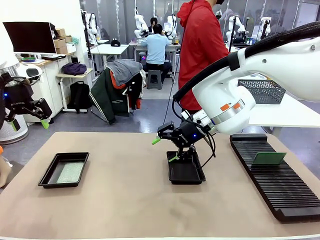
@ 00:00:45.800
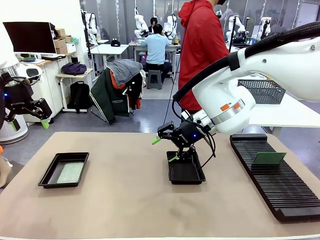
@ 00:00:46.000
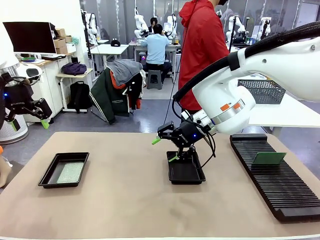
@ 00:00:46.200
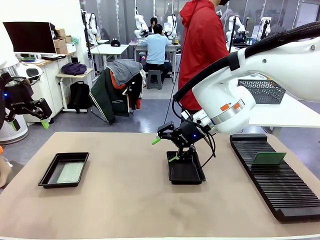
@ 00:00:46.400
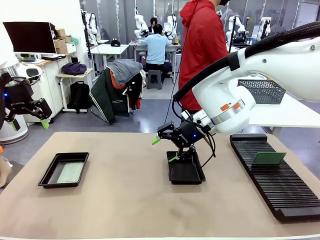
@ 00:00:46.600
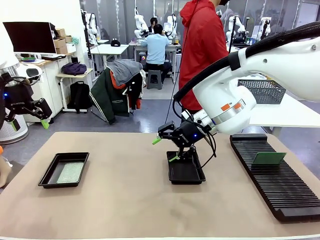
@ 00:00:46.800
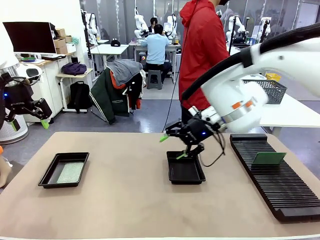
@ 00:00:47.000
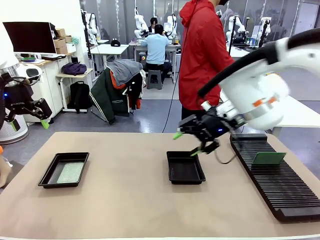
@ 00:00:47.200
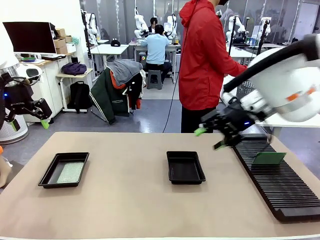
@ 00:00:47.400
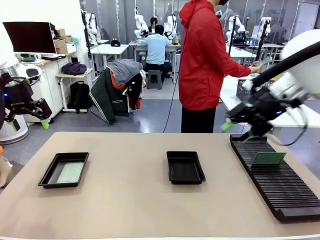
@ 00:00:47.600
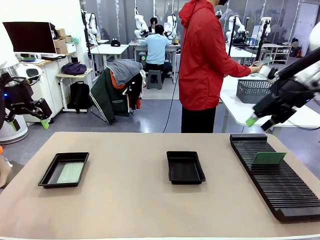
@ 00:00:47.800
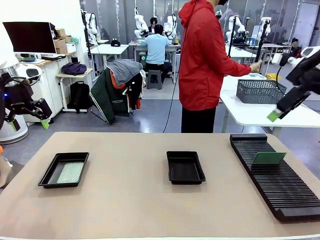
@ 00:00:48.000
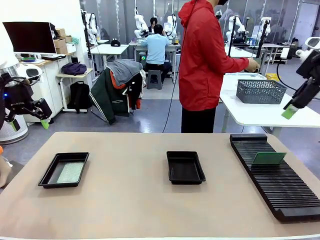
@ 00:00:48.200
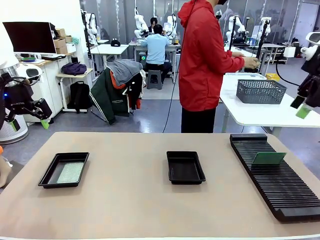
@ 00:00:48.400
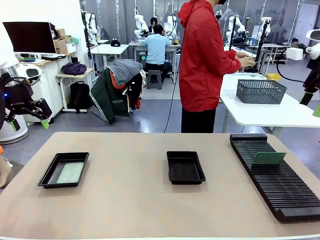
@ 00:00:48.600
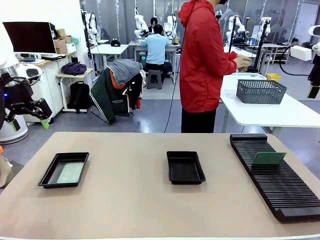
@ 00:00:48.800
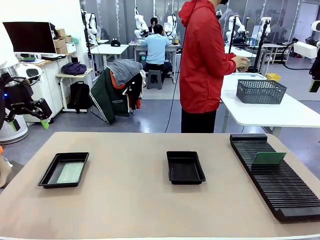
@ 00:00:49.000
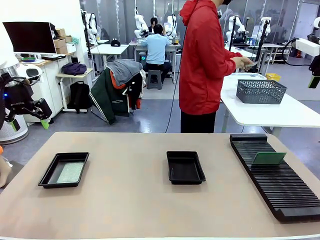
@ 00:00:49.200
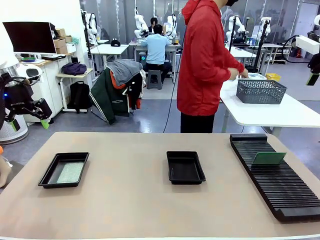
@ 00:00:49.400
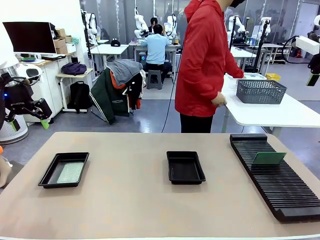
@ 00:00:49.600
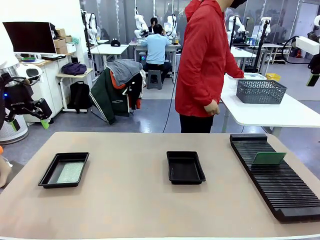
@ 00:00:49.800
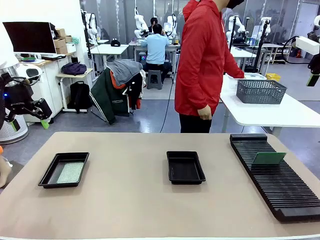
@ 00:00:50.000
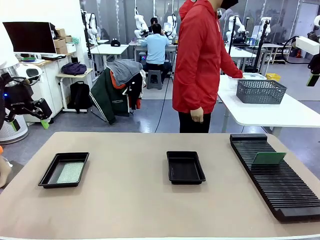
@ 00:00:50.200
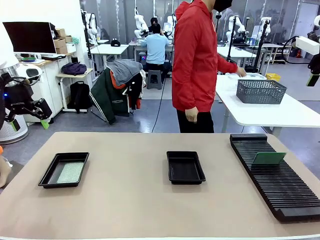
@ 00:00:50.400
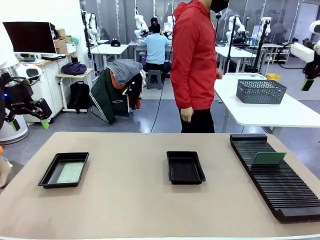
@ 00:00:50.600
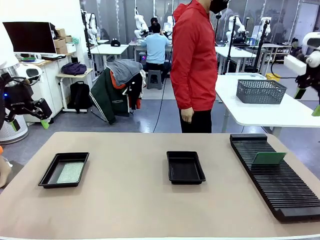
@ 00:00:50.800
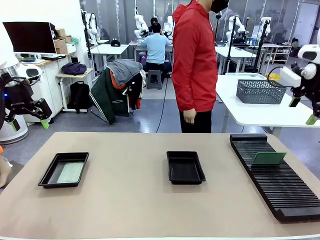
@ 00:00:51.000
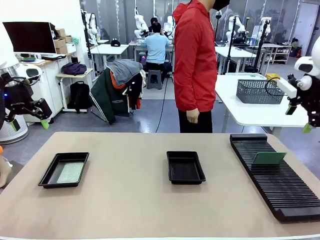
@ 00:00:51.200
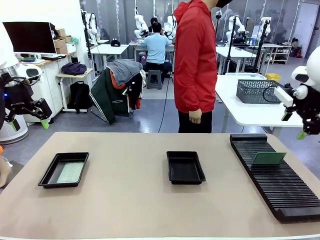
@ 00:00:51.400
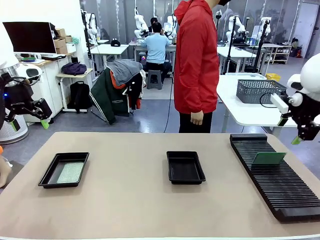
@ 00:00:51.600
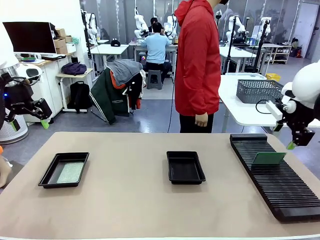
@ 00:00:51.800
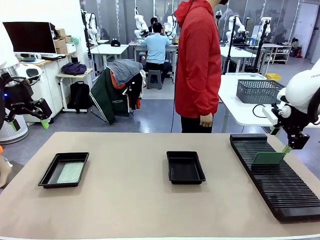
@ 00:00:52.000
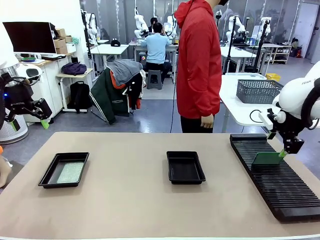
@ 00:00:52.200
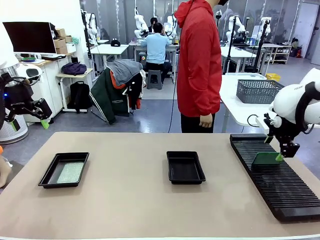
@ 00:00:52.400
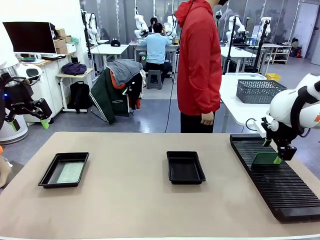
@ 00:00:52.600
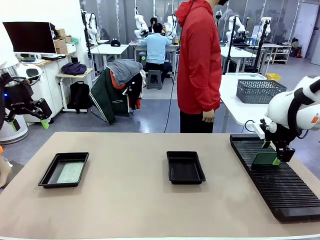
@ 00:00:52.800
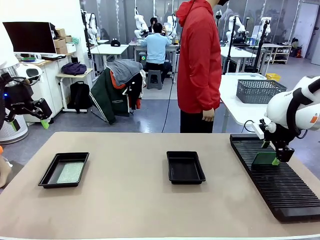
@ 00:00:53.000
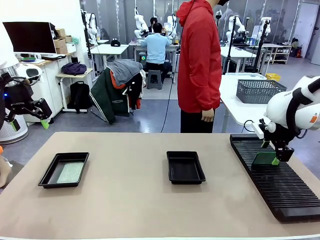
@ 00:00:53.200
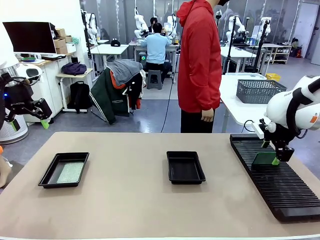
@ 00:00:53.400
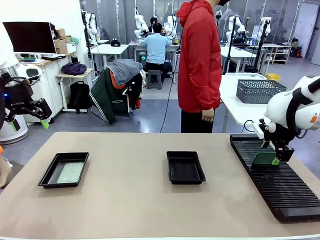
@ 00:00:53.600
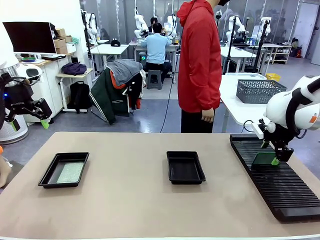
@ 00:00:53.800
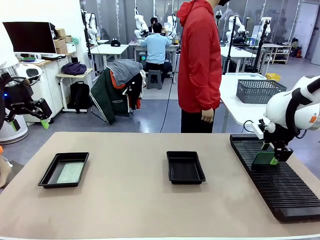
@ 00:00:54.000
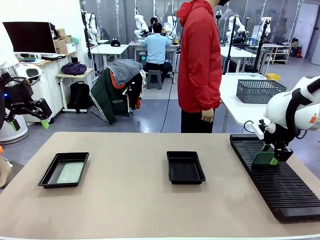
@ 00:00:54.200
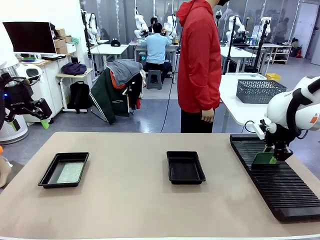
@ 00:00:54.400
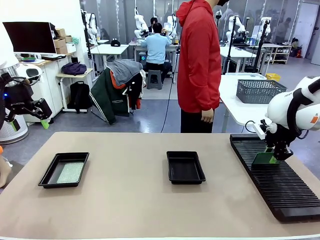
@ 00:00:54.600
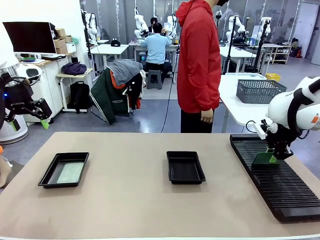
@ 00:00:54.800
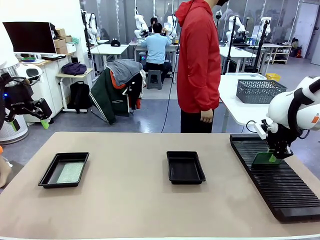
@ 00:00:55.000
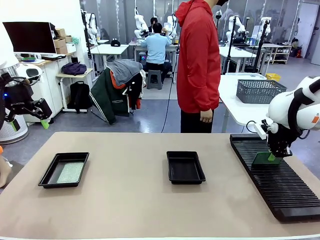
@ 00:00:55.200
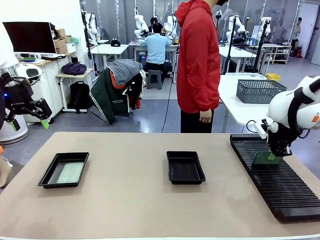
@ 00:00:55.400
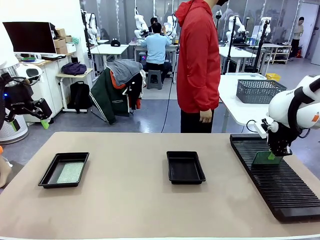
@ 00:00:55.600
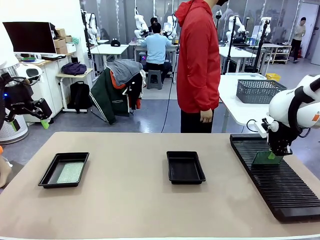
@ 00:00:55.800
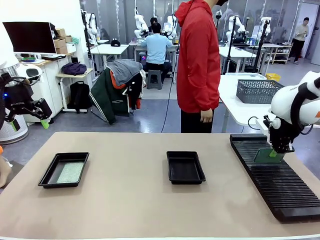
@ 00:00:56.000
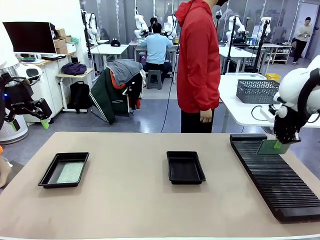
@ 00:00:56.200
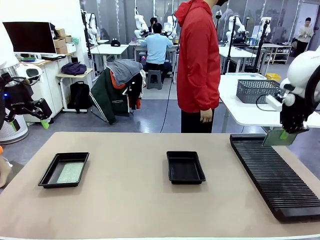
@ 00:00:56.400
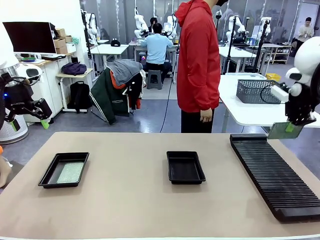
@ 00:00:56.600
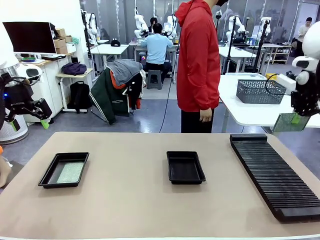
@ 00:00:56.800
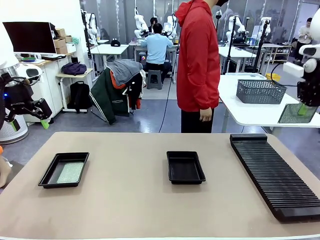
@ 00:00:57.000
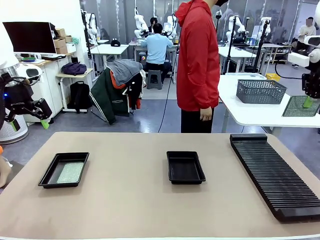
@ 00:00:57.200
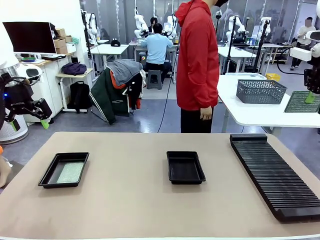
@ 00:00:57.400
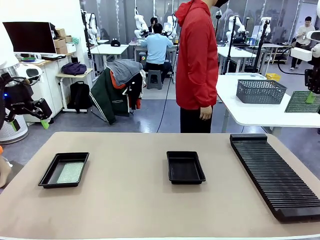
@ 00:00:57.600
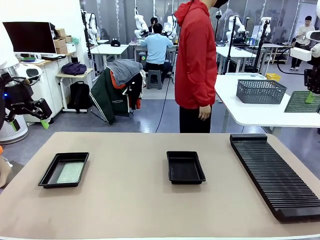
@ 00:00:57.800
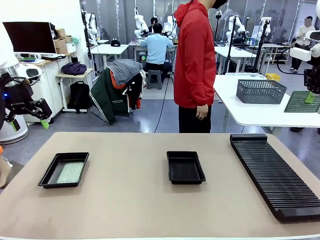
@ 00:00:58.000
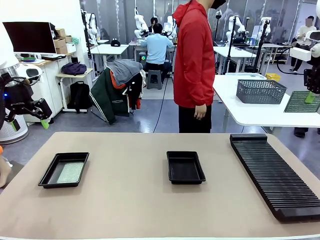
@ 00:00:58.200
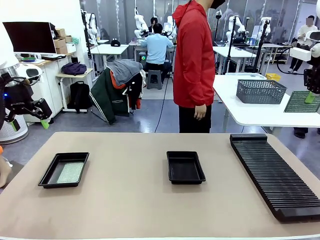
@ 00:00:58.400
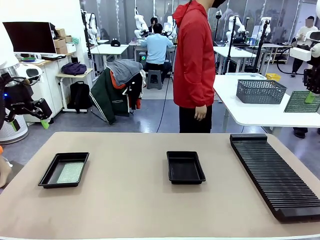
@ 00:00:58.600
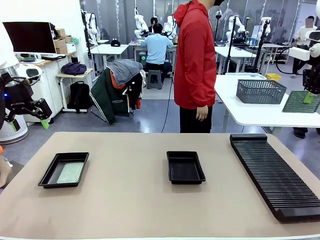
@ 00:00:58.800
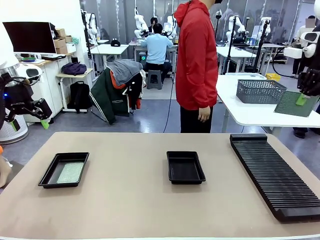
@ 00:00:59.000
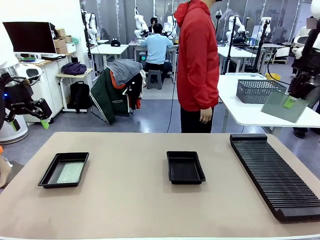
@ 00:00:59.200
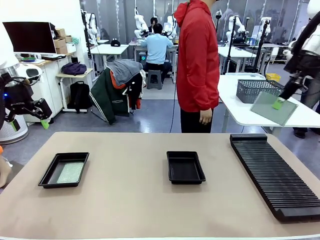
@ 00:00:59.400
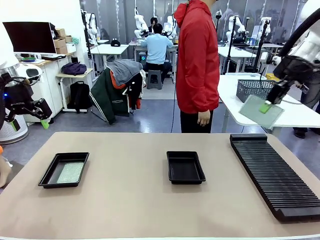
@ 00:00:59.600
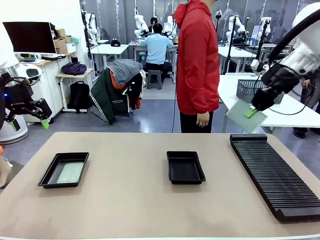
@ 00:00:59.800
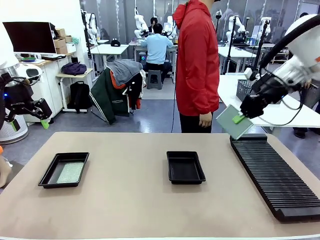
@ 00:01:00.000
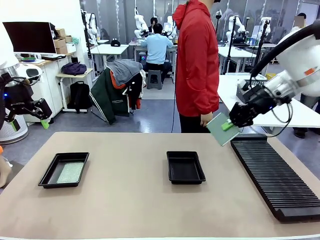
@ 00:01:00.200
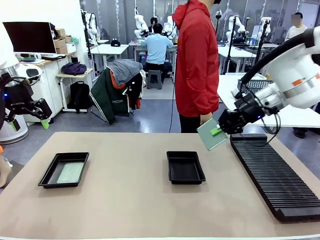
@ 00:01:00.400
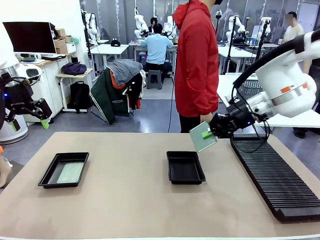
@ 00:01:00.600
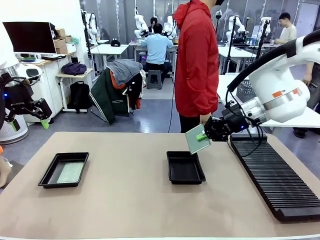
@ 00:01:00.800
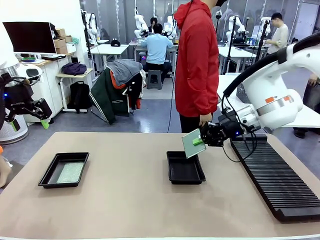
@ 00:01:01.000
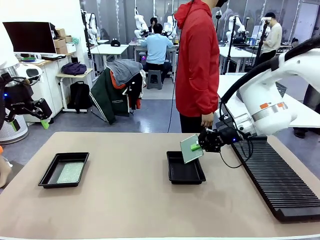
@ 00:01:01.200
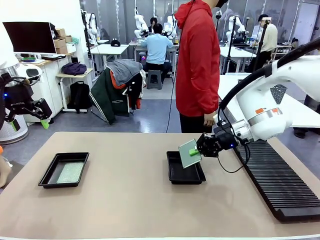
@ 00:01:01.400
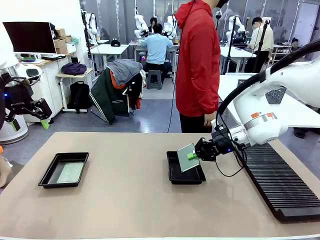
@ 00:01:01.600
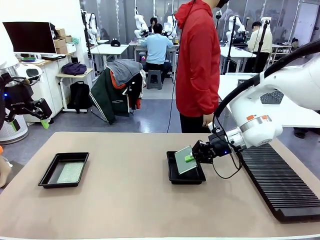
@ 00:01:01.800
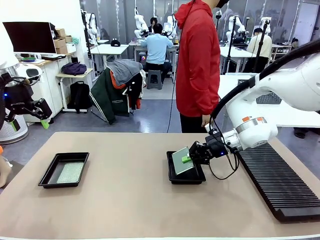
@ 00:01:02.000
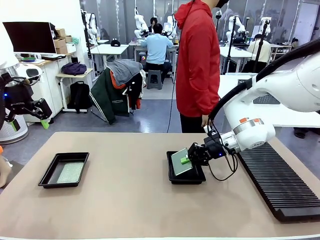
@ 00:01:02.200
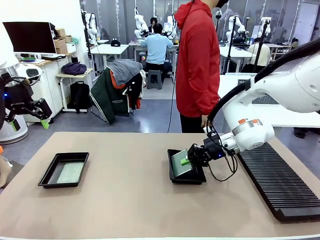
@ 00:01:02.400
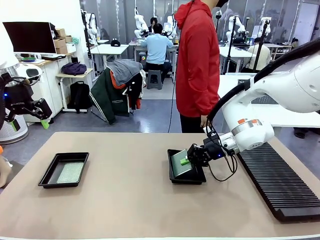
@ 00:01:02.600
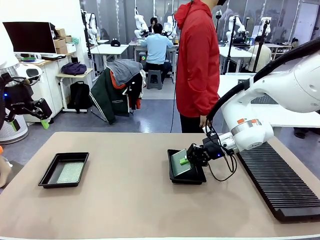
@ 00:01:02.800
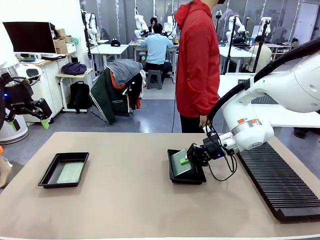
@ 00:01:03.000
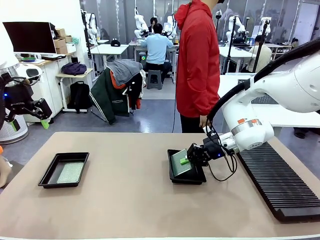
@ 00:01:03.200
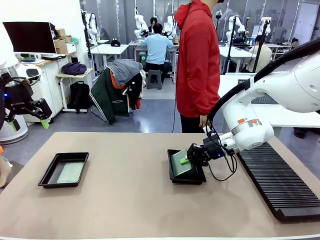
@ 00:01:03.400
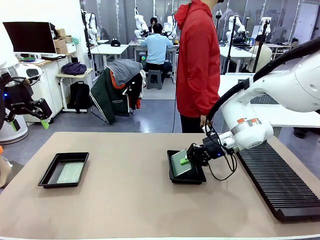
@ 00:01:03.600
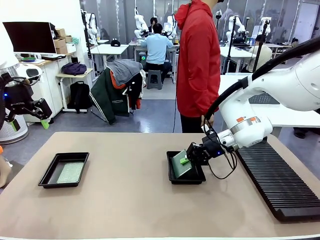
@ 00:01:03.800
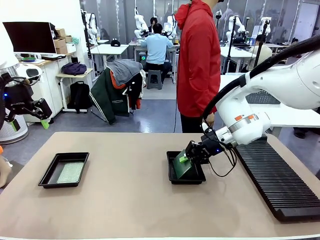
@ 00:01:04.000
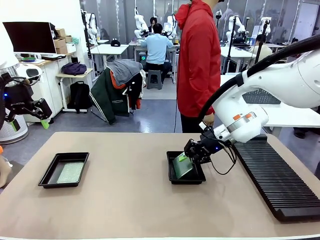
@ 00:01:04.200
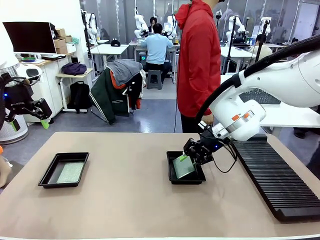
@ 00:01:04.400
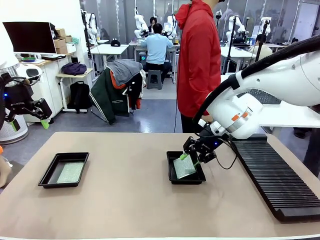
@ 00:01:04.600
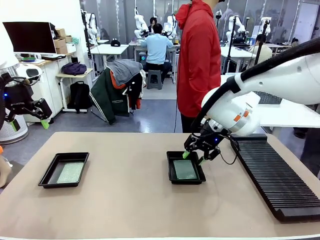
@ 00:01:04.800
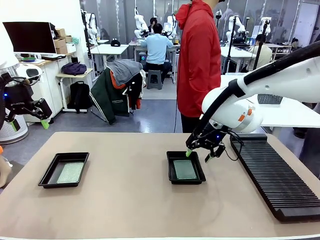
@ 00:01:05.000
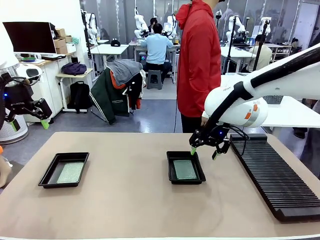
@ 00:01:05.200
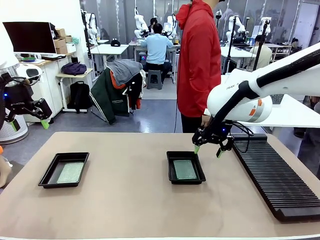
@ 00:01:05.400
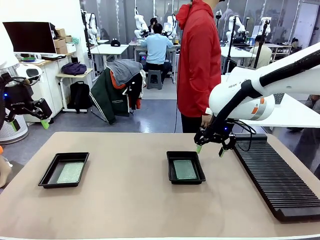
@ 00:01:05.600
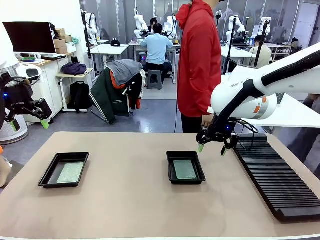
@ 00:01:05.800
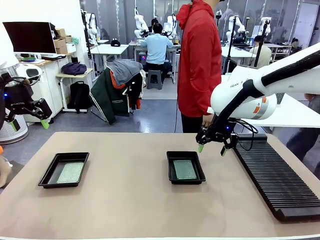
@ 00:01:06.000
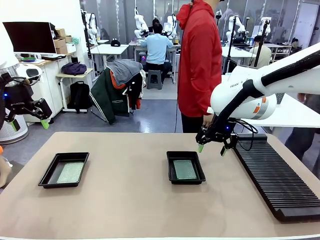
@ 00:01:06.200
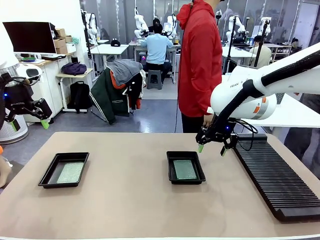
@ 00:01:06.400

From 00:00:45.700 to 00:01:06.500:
Task: Inspect and transfer BCBs to ESD trays.
Robot: Pick up the Blank PCB from the PCB Rack and place it in the right ESD tray.
